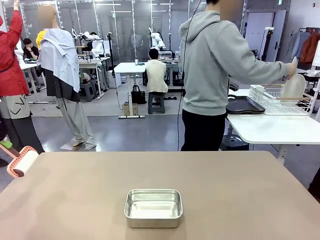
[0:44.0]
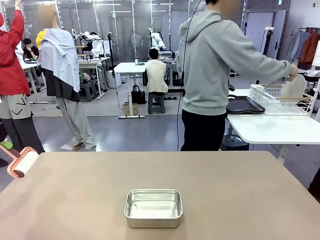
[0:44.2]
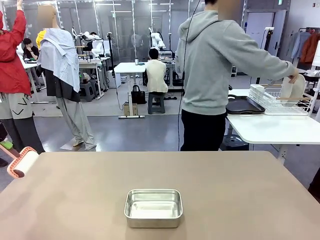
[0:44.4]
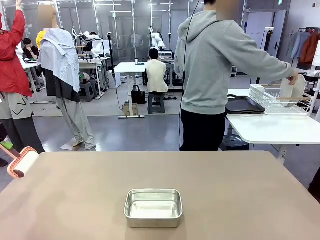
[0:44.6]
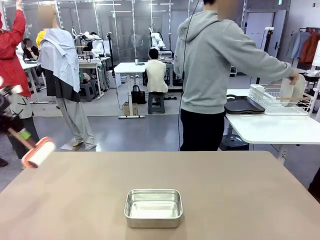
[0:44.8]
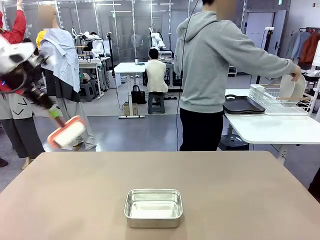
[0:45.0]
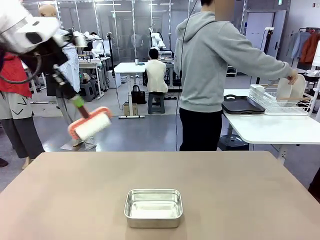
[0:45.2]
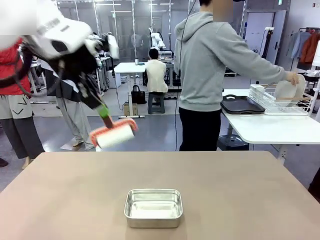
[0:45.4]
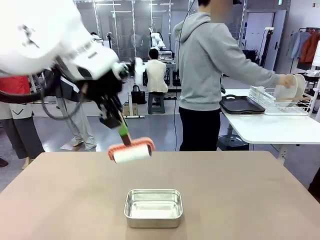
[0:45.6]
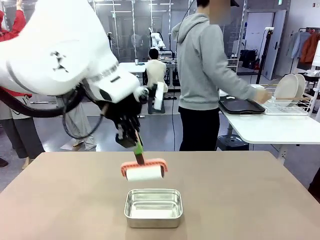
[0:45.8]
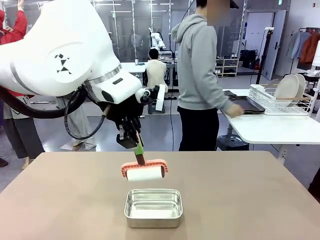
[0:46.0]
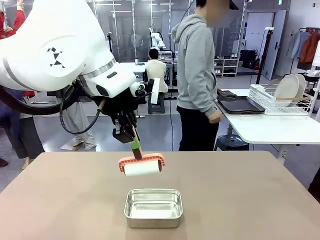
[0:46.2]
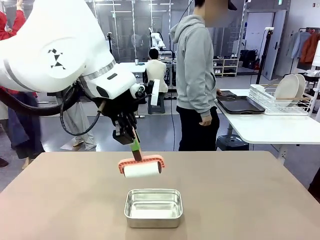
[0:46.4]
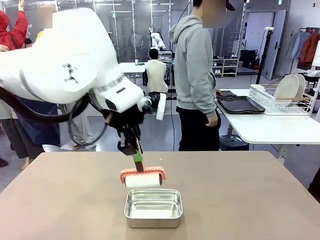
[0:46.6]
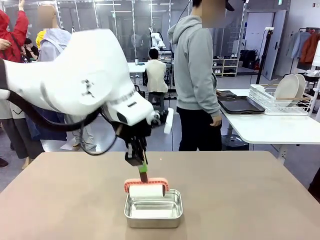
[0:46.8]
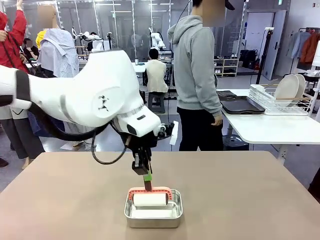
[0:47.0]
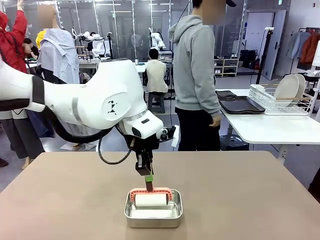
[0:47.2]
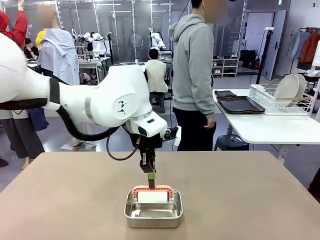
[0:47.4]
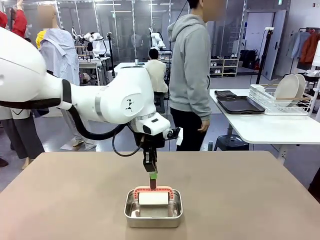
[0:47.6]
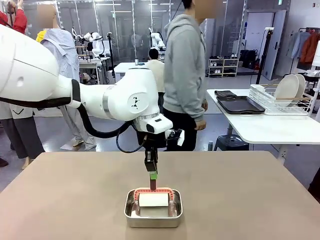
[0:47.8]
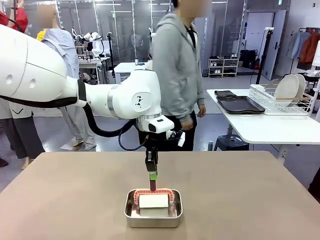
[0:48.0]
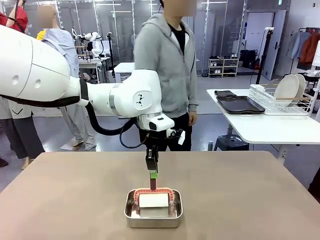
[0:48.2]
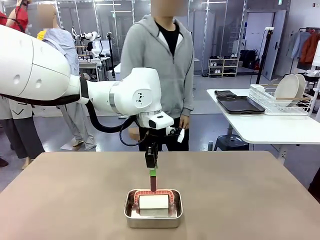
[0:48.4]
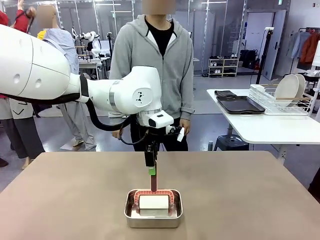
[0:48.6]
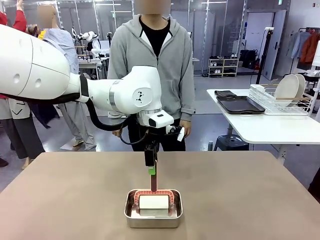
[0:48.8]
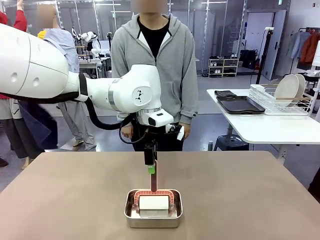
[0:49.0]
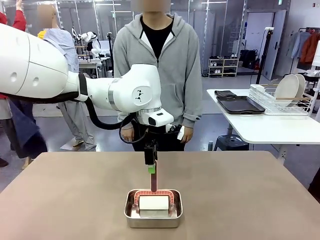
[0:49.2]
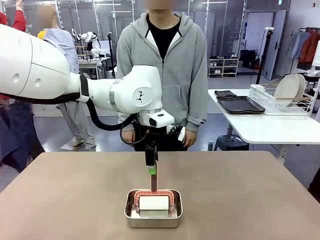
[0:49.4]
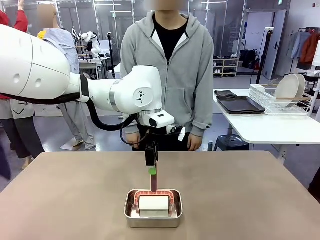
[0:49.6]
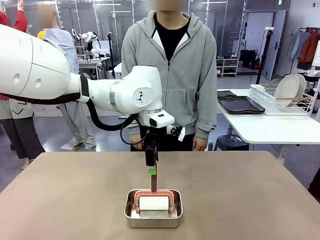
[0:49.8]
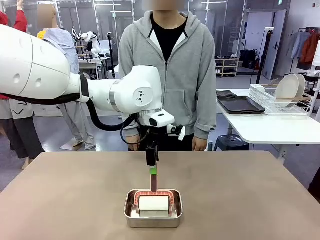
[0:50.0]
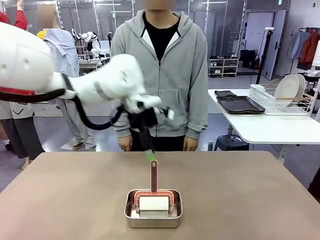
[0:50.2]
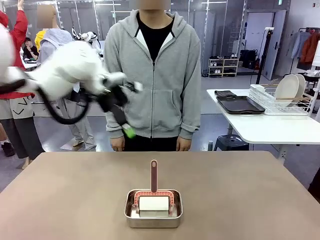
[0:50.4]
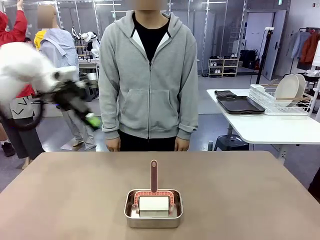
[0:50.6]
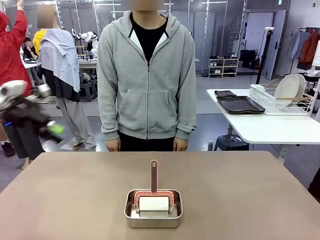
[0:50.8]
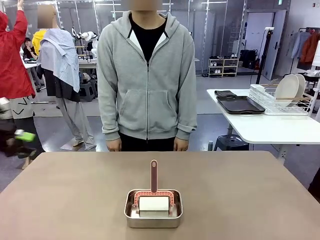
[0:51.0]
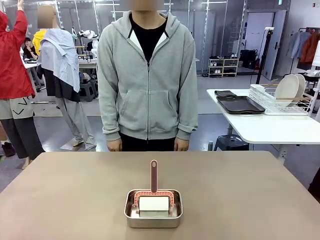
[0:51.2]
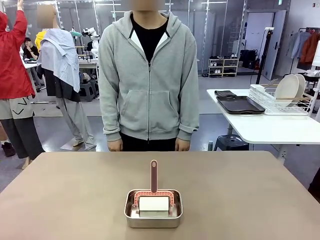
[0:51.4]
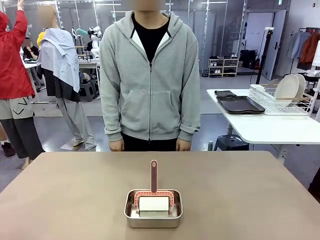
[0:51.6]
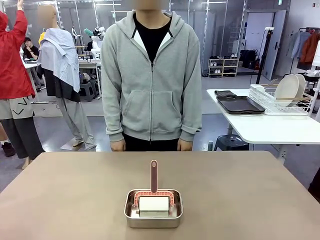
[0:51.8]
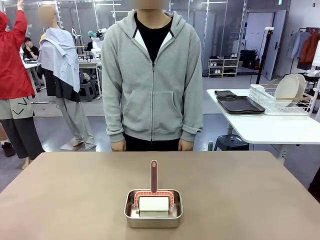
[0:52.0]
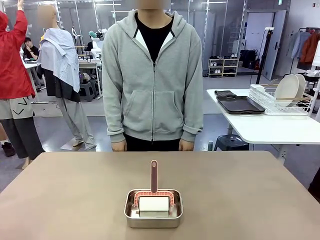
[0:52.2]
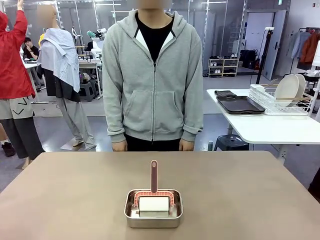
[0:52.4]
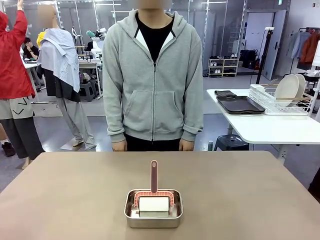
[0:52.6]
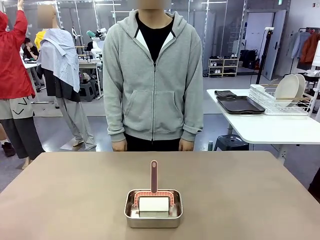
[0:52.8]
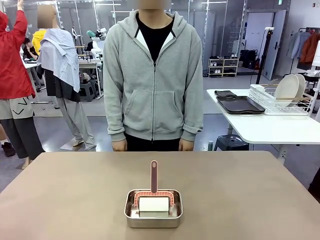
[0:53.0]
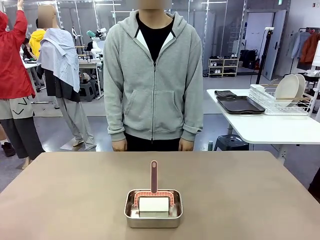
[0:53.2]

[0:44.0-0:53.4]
Robot: Place the Lint Roller back on top of the Airtight Container.

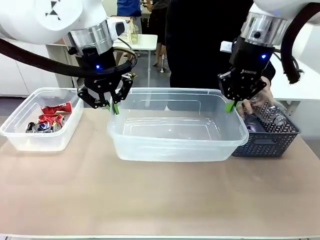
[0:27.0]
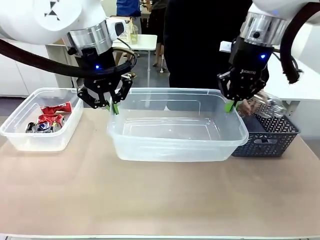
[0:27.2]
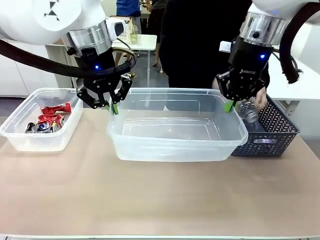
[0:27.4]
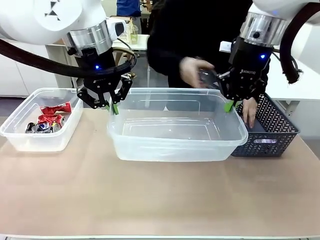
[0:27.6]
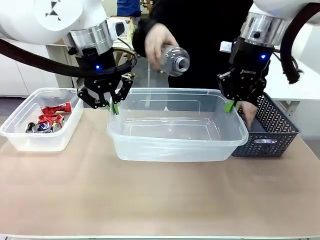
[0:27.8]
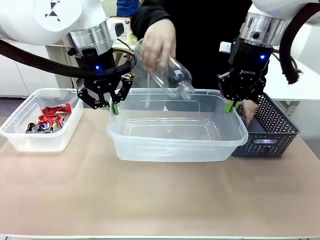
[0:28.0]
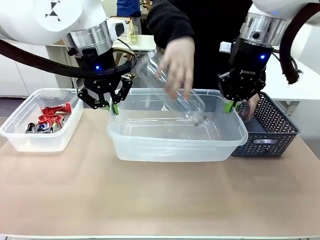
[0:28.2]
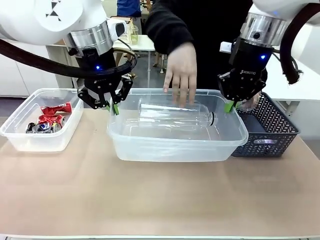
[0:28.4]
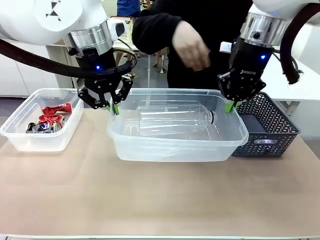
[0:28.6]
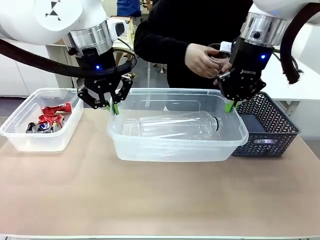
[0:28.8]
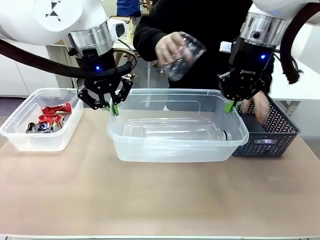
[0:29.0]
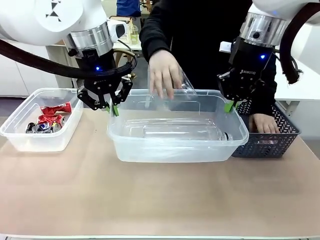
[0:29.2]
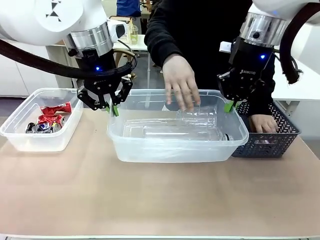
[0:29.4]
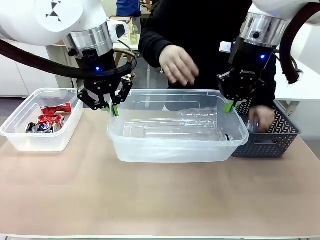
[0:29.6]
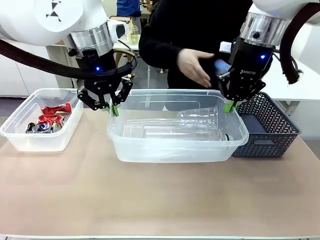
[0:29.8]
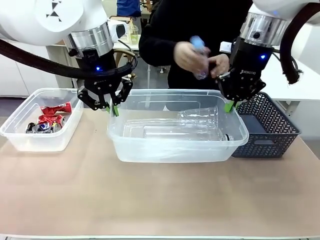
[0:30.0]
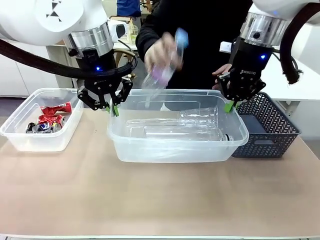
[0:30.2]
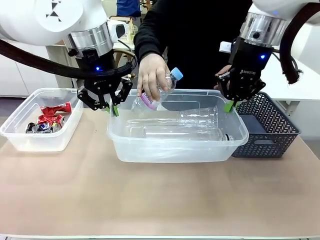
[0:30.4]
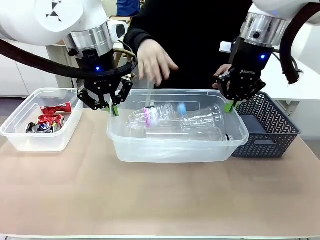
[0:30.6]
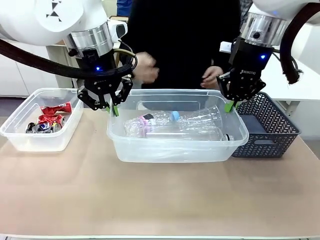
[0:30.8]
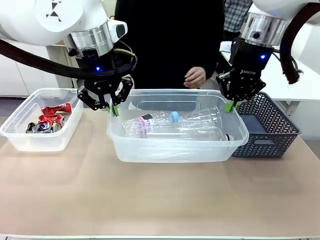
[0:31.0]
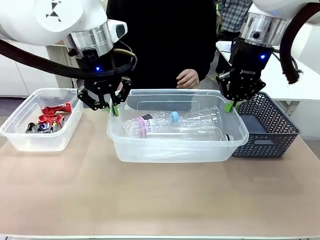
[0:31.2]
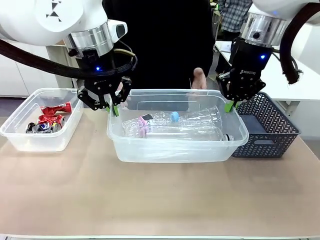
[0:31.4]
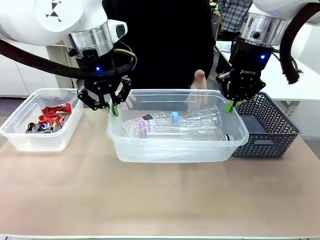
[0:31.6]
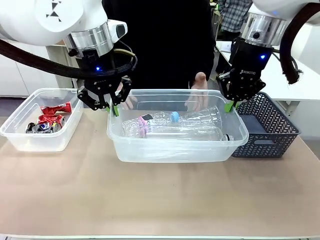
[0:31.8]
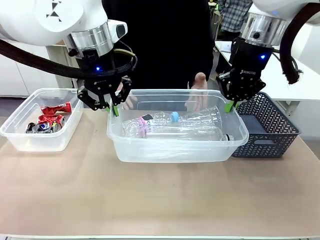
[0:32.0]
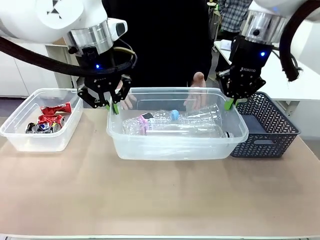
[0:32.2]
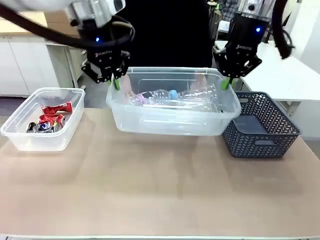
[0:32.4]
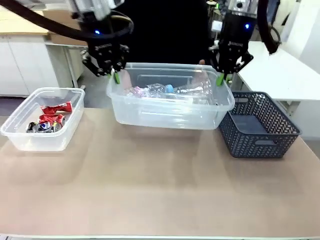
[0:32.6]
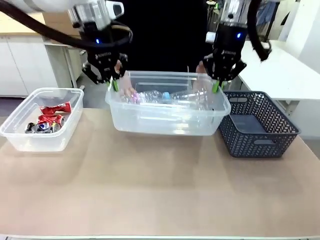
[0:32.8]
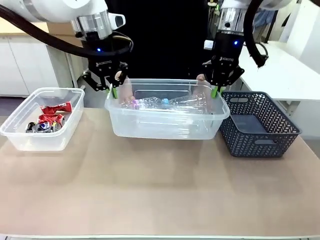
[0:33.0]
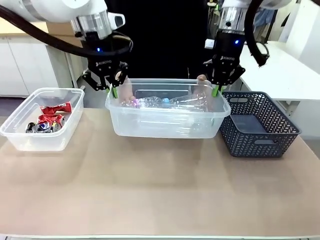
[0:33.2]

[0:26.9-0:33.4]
Robot: Offer the picked Organizing box to the human.
Person: Pick up the organizing box extended by the robot.

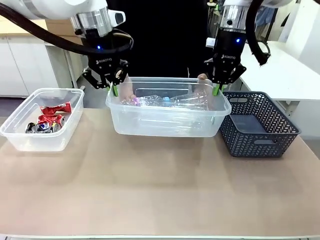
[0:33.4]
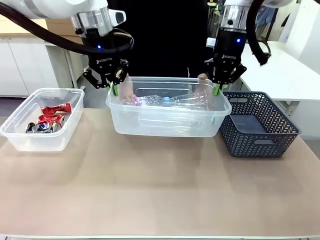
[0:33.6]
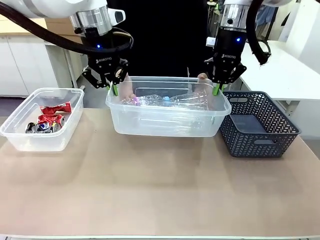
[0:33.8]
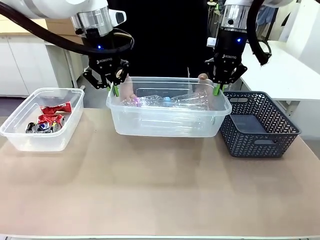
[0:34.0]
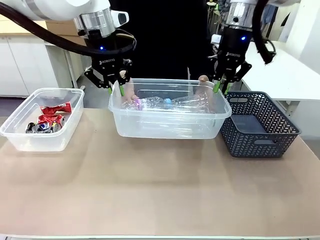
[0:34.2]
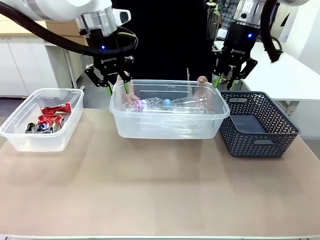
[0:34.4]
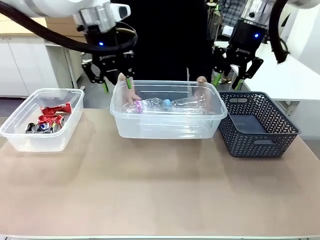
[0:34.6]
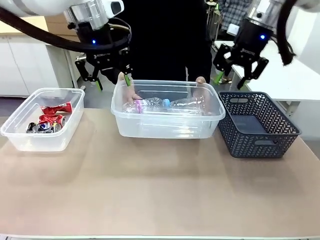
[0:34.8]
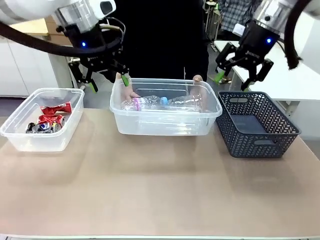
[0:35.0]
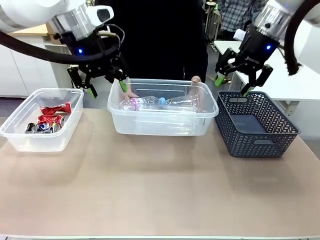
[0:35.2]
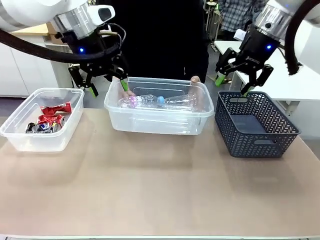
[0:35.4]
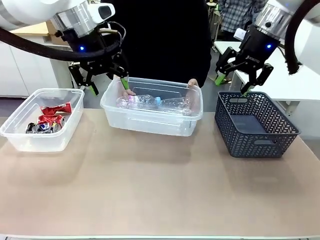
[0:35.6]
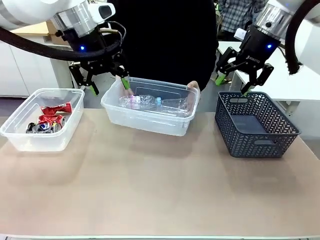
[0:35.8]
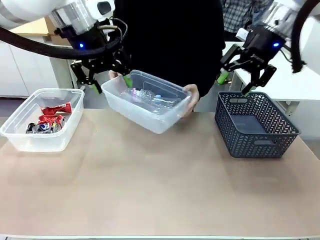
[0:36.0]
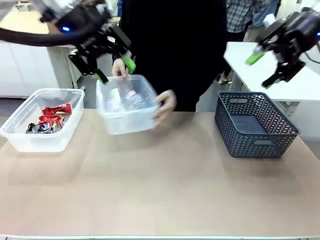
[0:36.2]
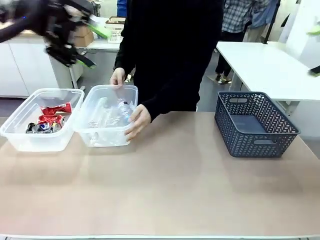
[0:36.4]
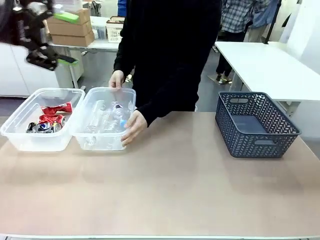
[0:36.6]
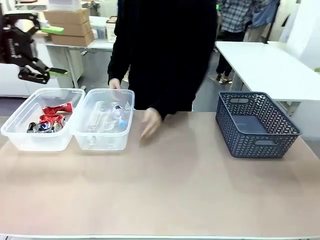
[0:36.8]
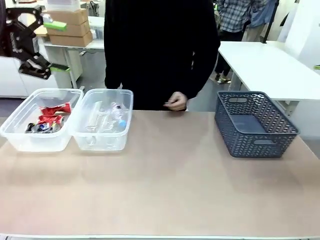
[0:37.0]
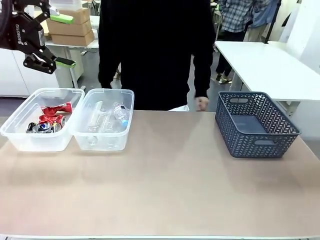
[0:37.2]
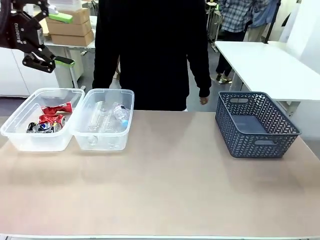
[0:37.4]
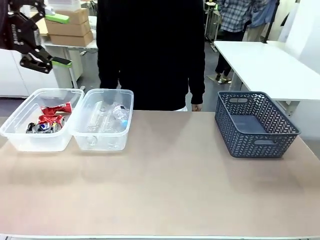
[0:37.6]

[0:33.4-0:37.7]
Robot: Release the Organizing box you were holding.
Person: Place the organizing box to the left of the sorting box containing the can waste.
